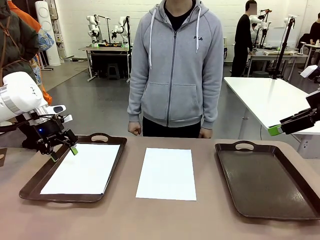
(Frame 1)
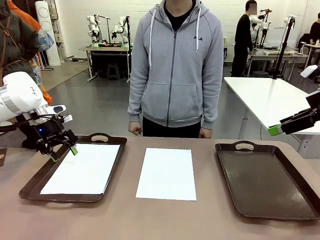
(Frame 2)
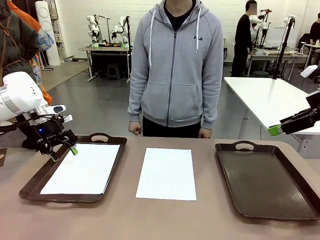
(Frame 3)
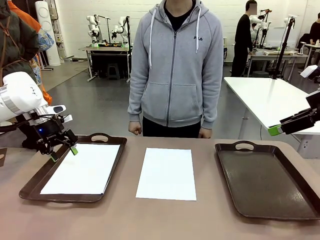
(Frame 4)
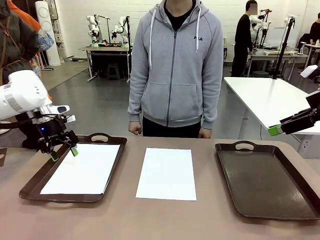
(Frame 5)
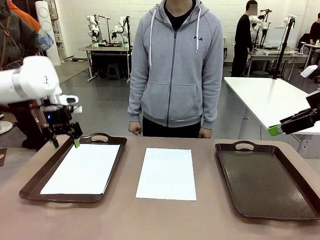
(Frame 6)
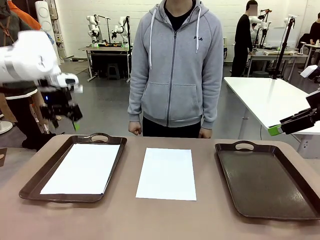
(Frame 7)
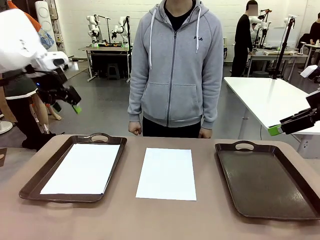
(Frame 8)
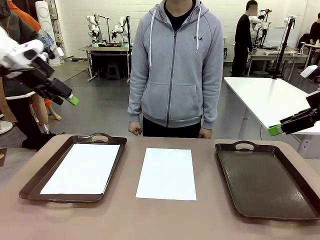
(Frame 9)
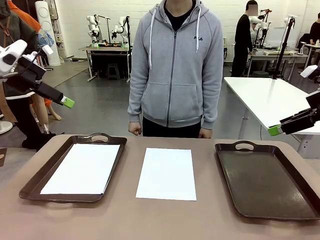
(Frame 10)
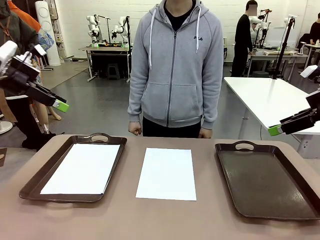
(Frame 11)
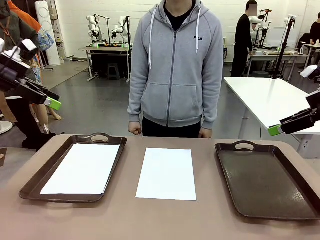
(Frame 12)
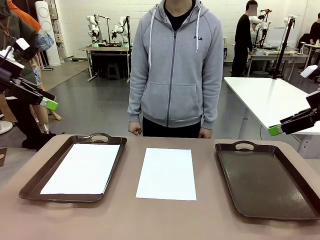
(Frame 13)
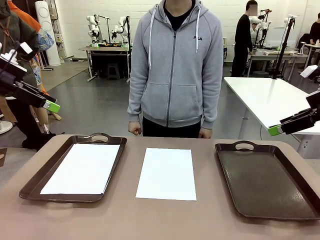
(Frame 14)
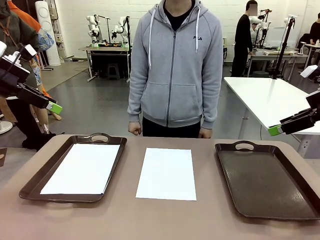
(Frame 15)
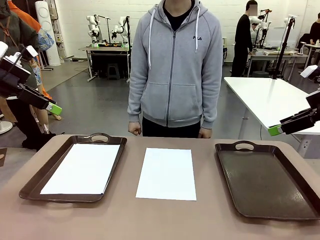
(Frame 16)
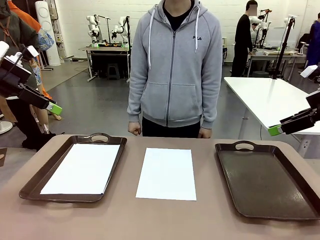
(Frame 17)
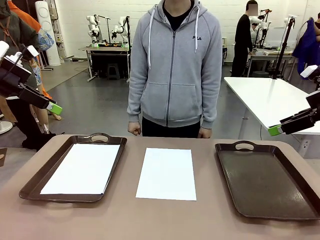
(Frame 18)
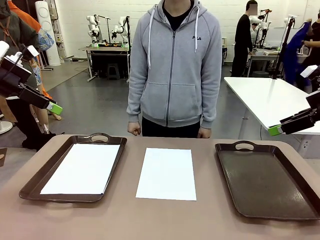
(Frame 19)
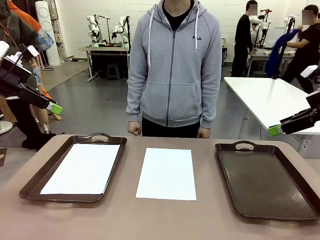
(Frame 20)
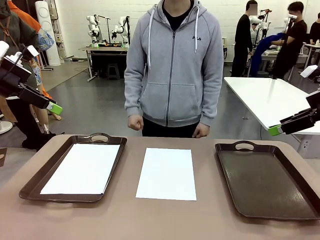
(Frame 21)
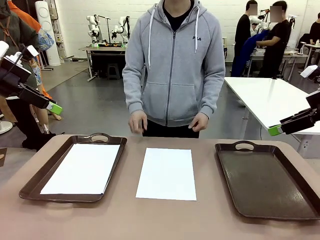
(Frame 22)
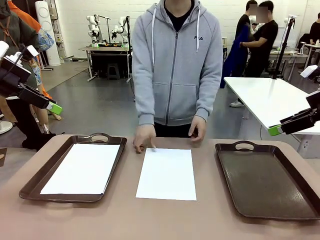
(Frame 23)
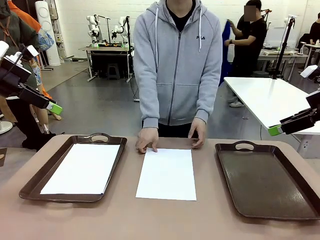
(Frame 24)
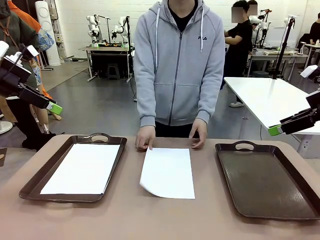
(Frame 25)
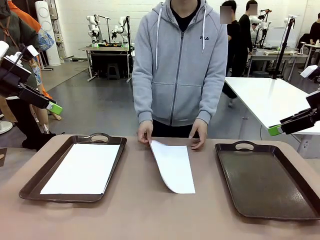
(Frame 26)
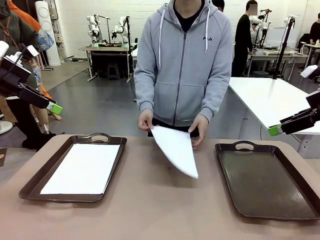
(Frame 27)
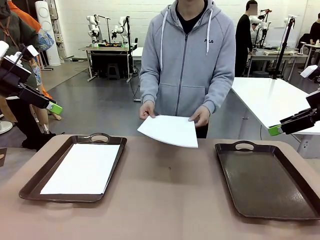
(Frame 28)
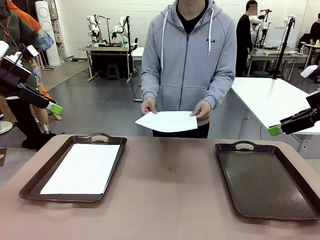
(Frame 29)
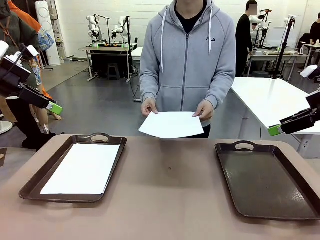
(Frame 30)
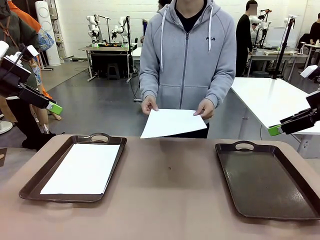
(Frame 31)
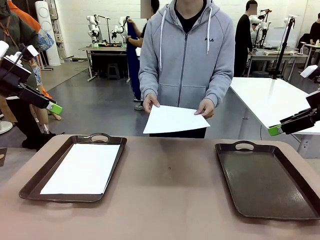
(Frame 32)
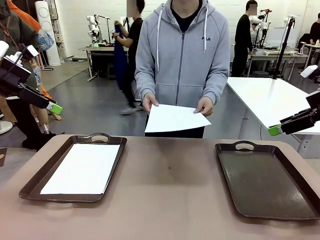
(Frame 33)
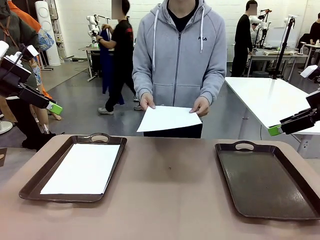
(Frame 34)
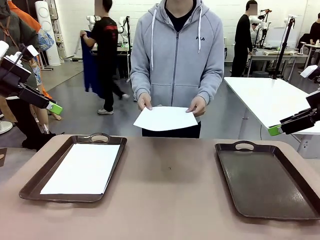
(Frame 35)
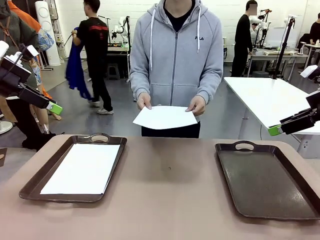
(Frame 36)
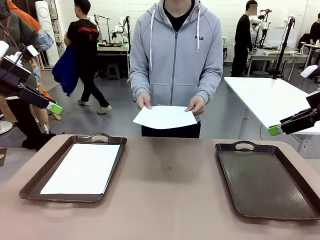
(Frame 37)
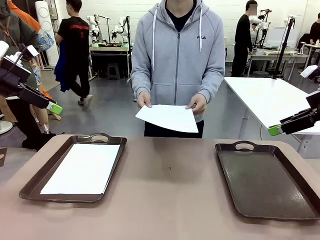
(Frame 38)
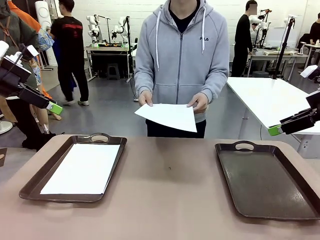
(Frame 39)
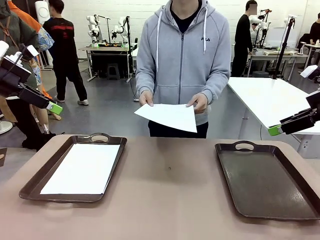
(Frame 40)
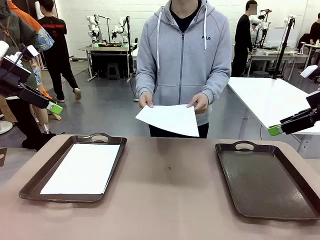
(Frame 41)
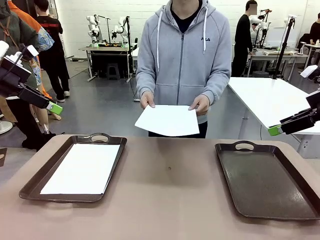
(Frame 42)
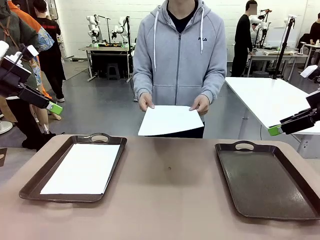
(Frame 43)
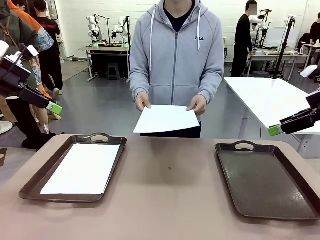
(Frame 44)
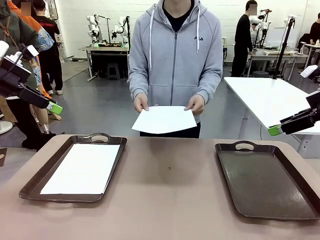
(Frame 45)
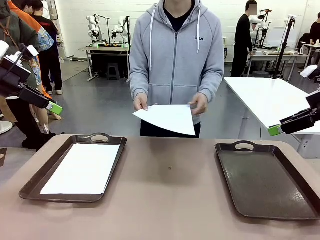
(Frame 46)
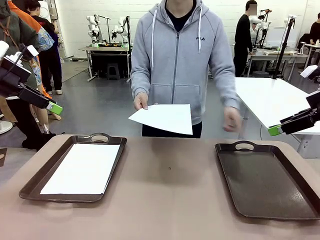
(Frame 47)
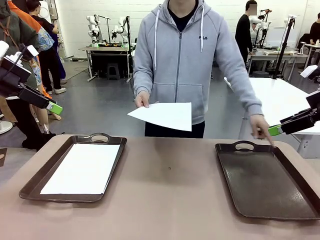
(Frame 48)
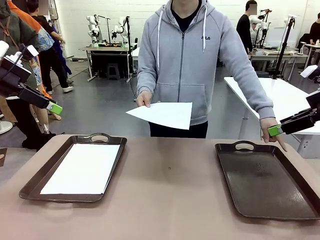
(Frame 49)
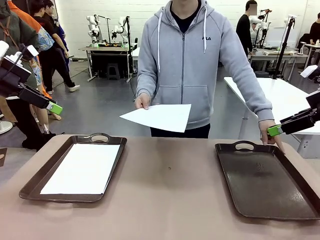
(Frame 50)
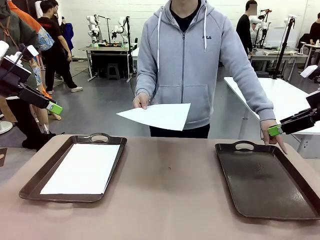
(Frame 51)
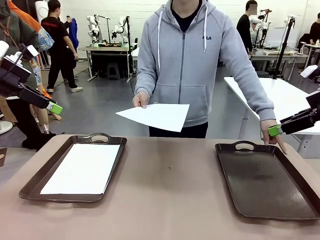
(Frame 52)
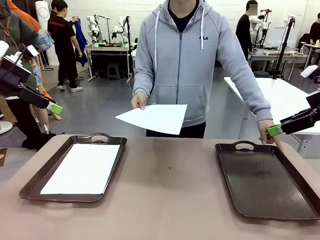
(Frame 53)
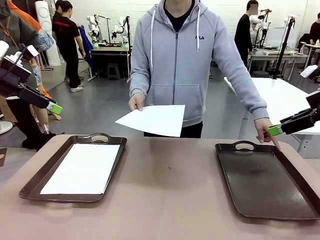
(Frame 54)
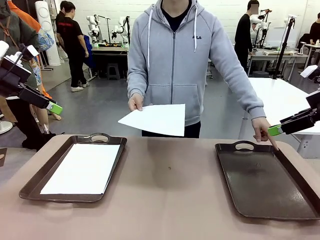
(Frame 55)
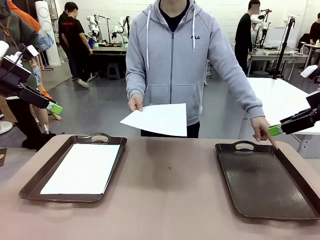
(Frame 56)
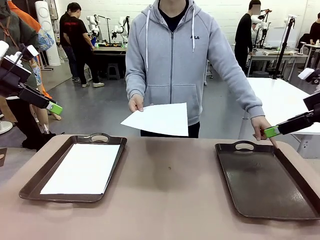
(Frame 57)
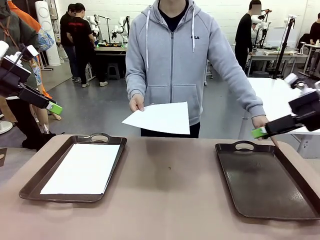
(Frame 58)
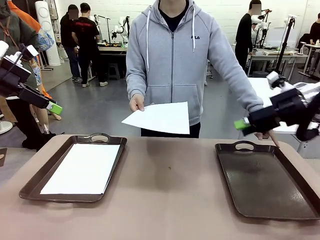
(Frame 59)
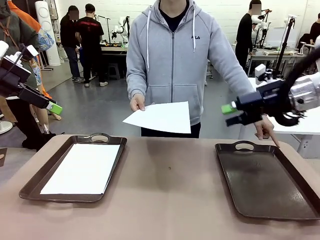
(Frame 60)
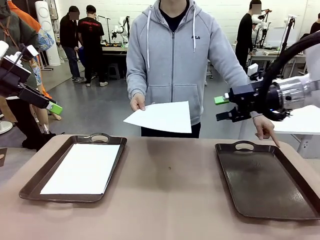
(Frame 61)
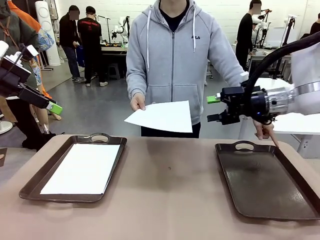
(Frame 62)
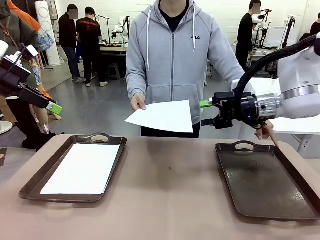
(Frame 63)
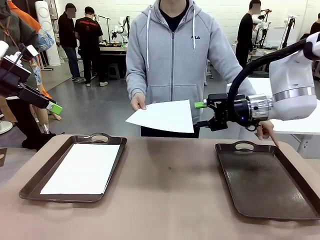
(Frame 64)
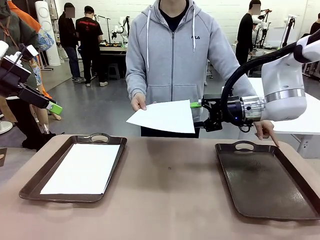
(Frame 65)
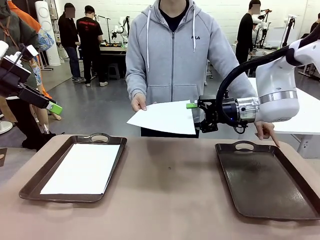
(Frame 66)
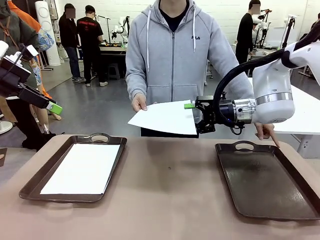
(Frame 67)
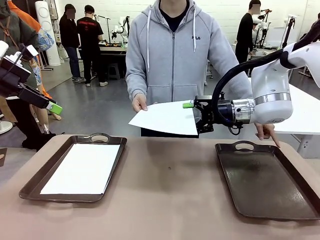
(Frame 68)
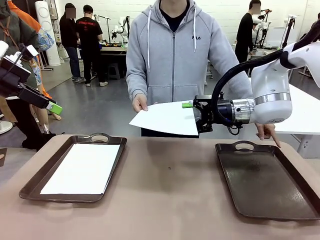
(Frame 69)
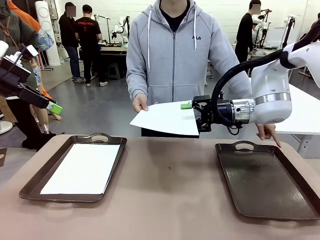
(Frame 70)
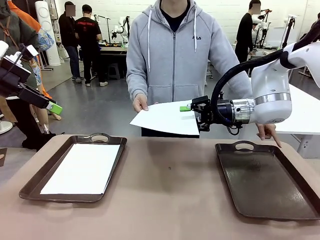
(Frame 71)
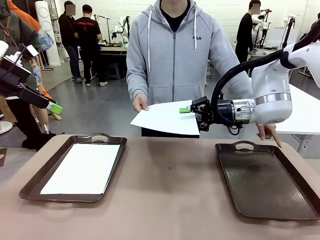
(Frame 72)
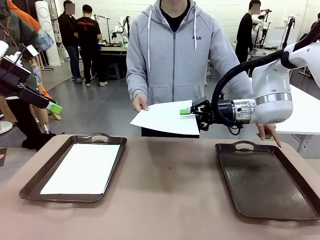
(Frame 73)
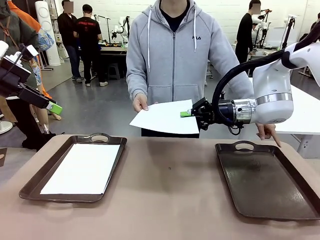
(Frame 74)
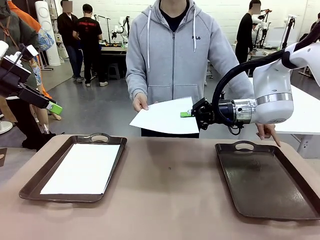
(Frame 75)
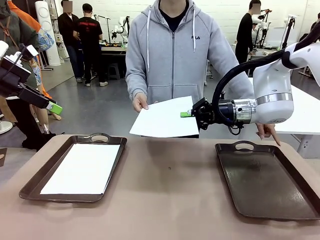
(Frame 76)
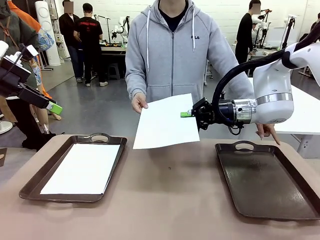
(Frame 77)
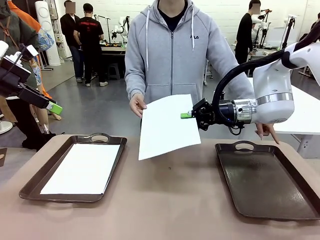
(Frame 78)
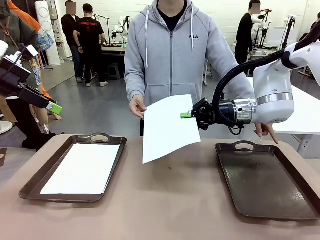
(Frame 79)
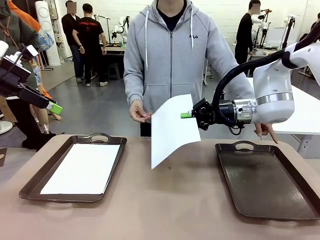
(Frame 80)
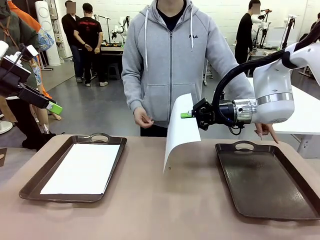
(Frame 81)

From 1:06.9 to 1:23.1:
Task: Sort the A4 documents.
Robot: Receive the A4 Paper.
Person: Point the randomly selected tray with the other hand.

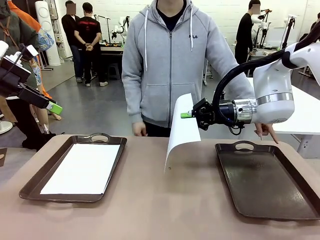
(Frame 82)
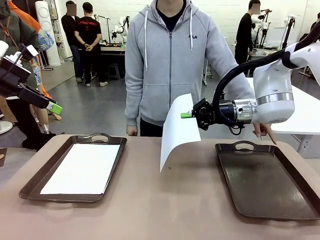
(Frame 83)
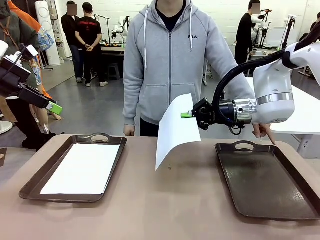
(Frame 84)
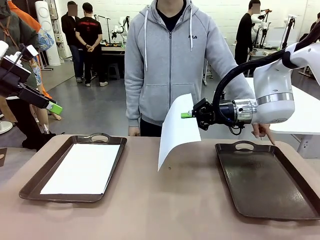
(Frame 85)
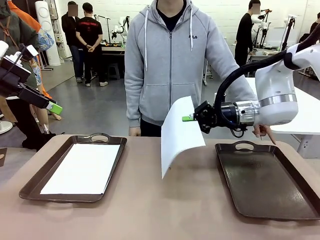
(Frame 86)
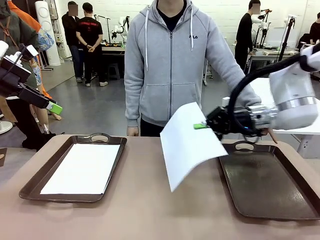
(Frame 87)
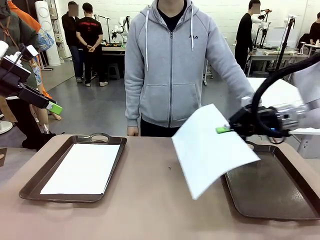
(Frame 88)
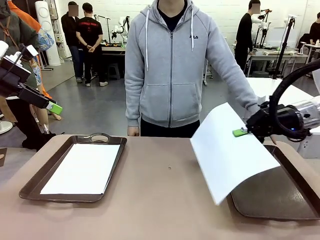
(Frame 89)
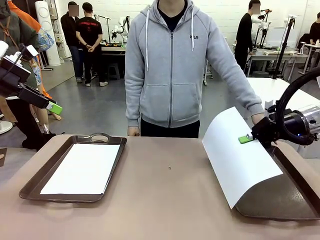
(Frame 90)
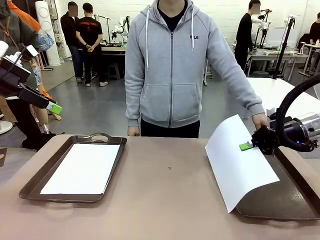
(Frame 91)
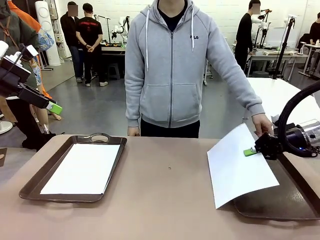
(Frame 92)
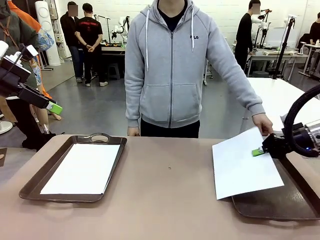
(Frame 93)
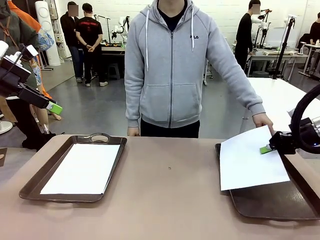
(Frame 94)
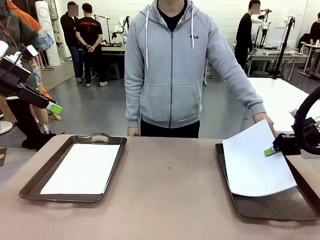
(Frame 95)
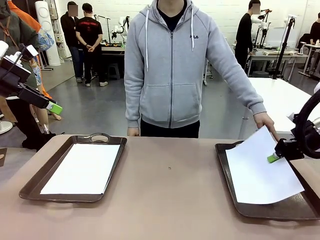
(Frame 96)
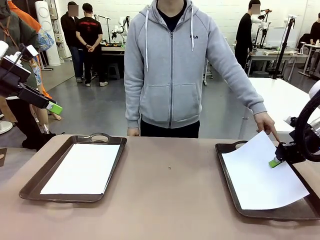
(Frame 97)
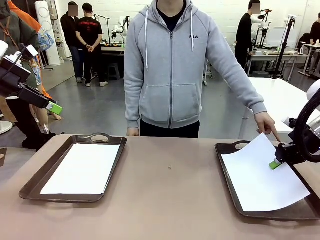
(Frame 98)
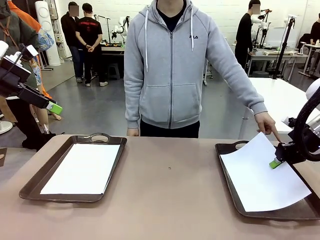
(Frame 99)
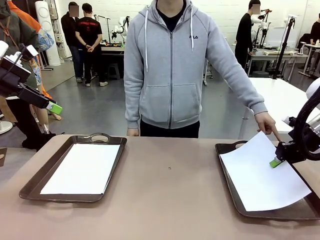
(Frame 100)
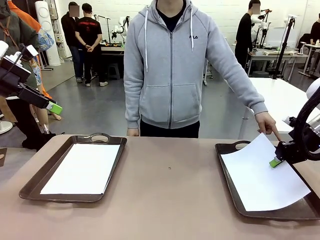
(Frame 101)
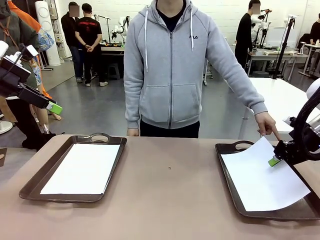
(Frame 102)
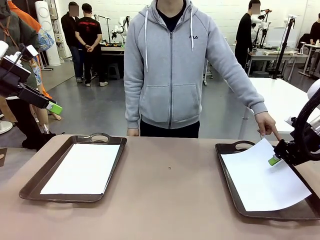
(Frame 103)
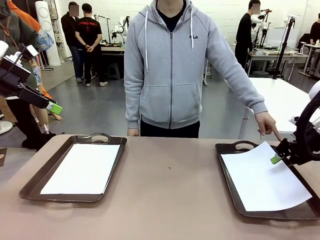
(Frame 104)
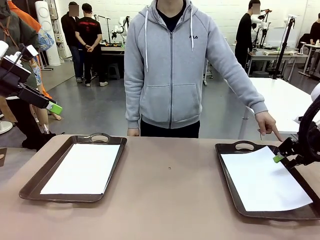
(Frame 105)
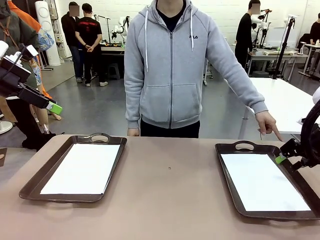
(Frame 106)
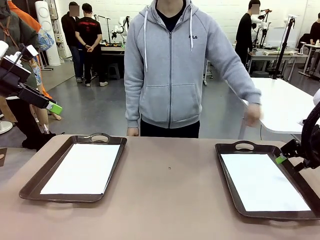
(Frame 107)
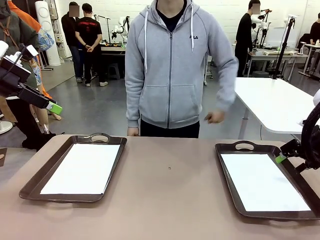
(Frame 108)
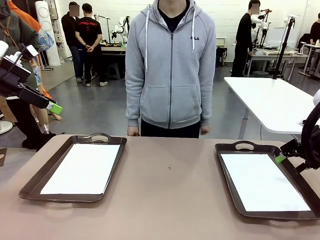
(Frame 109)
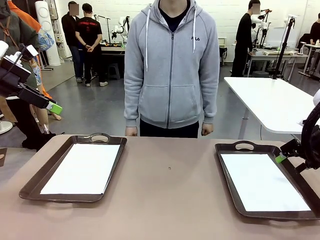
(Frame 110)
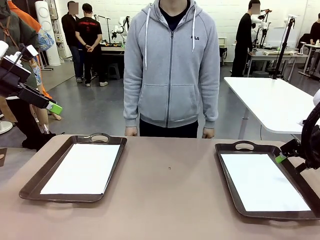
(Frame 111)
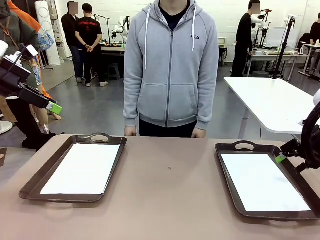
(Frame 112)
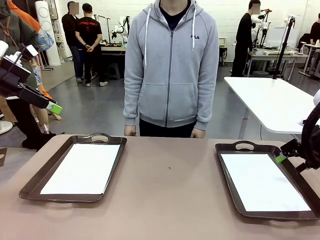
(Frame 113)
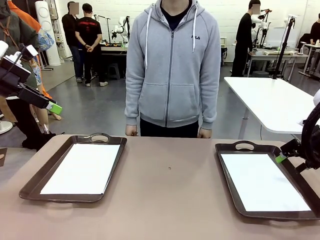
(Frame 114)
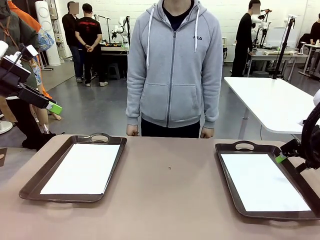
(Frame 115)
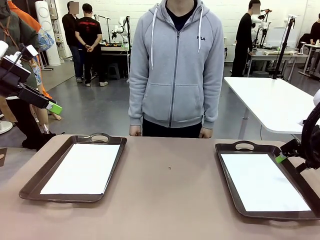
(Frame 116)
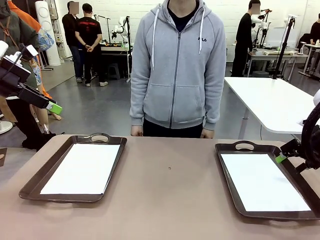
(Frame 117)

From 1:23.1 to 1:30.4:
Robot: Place the A4 Paper in the designated Handle tray.
